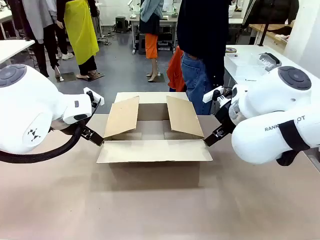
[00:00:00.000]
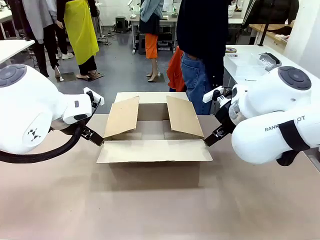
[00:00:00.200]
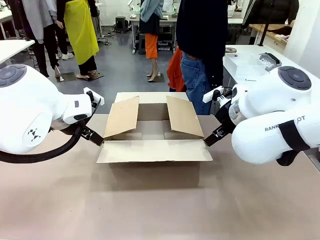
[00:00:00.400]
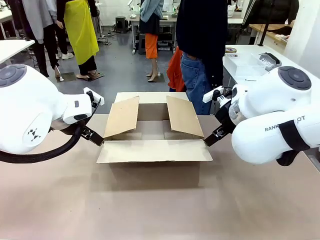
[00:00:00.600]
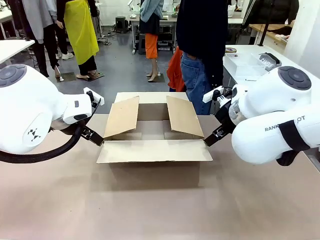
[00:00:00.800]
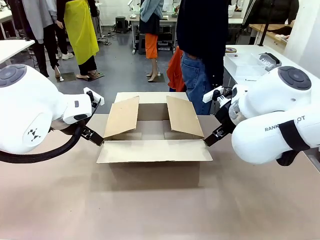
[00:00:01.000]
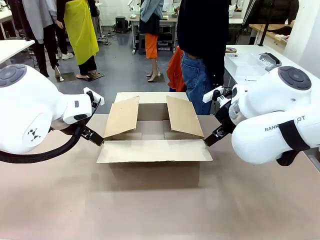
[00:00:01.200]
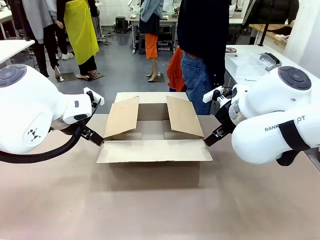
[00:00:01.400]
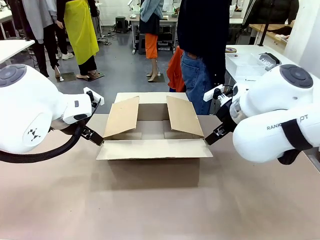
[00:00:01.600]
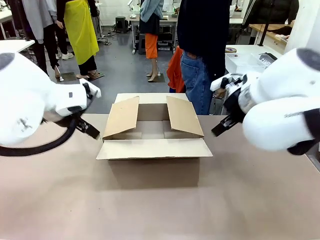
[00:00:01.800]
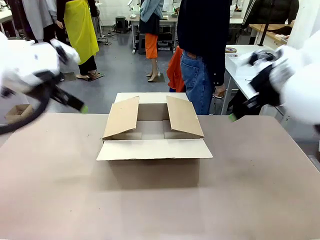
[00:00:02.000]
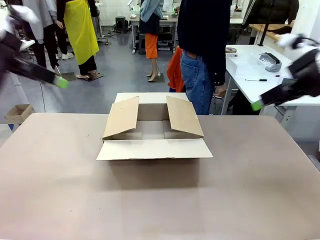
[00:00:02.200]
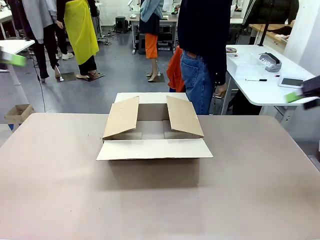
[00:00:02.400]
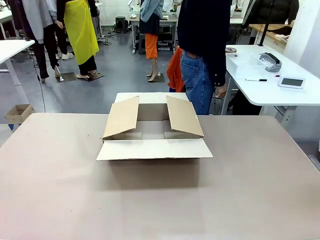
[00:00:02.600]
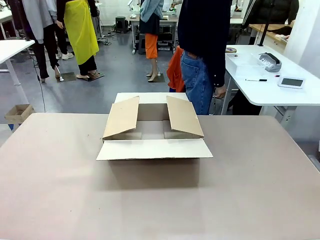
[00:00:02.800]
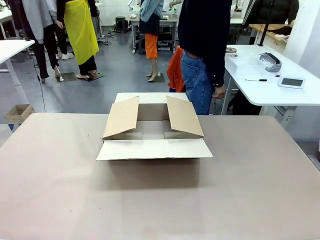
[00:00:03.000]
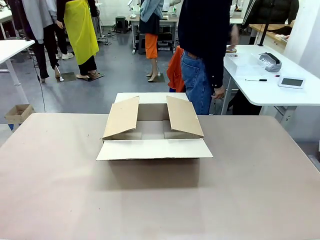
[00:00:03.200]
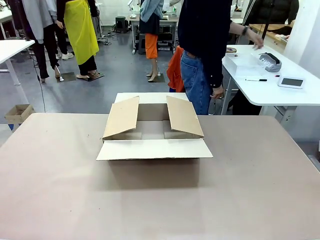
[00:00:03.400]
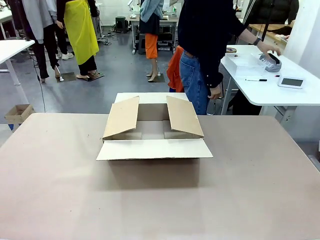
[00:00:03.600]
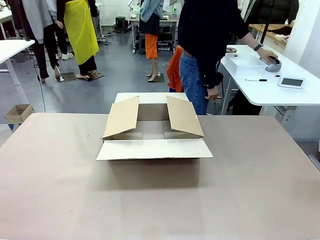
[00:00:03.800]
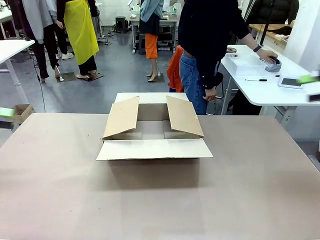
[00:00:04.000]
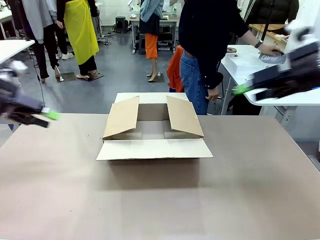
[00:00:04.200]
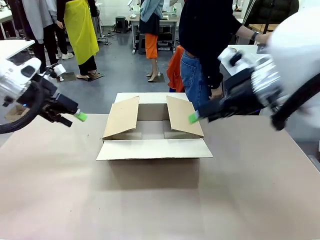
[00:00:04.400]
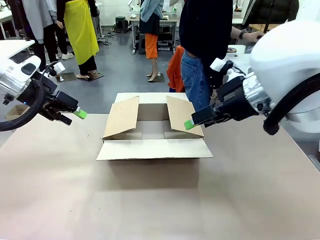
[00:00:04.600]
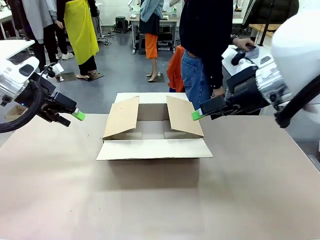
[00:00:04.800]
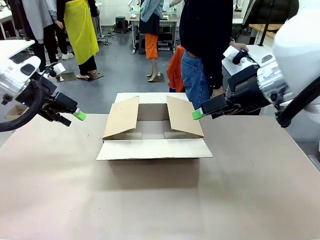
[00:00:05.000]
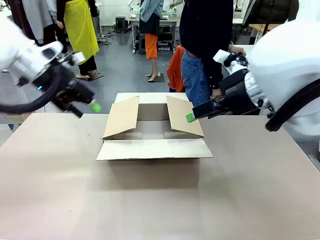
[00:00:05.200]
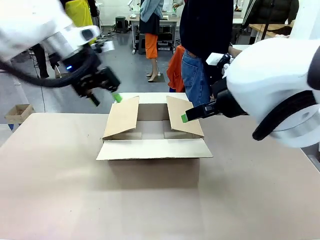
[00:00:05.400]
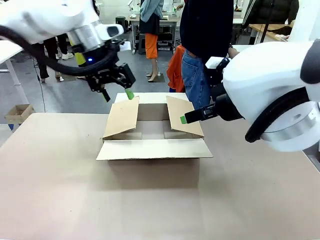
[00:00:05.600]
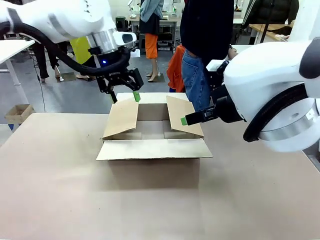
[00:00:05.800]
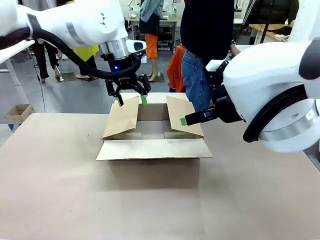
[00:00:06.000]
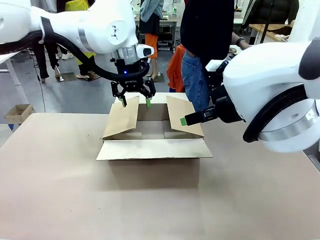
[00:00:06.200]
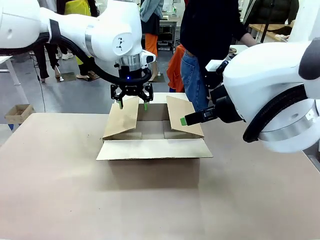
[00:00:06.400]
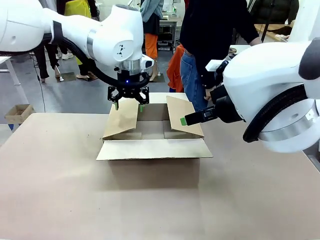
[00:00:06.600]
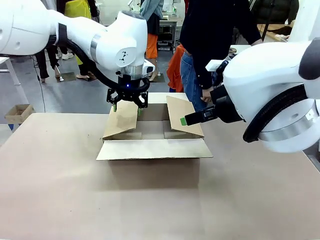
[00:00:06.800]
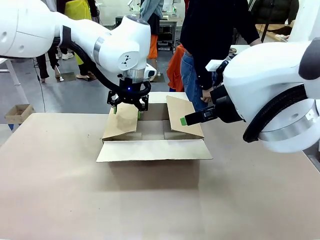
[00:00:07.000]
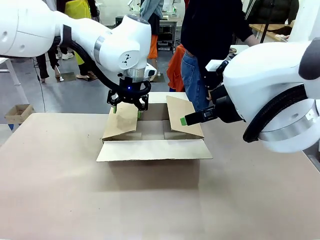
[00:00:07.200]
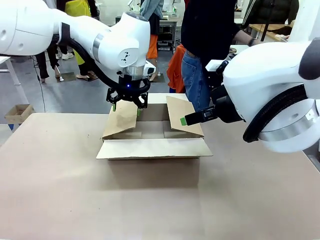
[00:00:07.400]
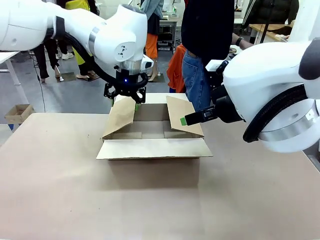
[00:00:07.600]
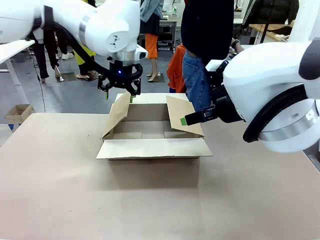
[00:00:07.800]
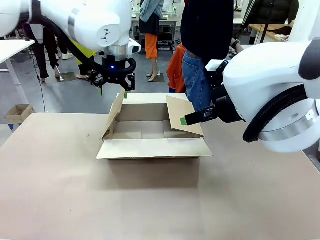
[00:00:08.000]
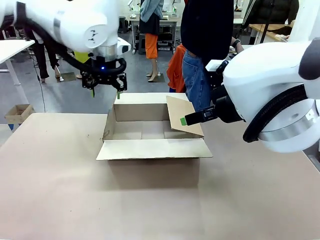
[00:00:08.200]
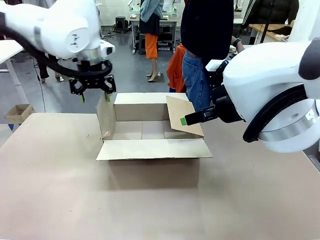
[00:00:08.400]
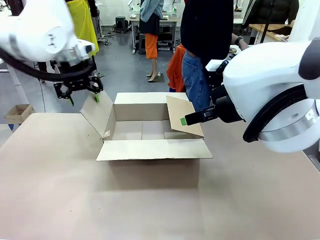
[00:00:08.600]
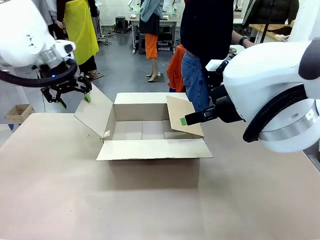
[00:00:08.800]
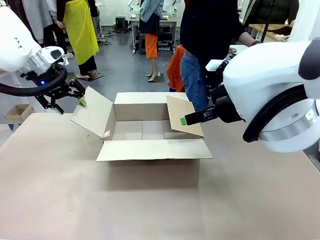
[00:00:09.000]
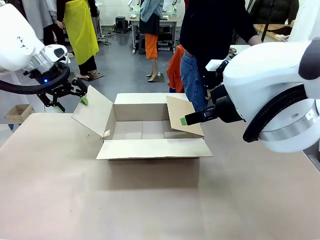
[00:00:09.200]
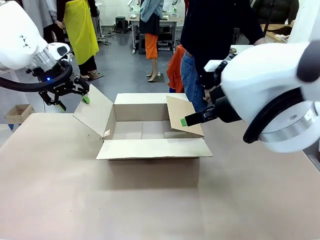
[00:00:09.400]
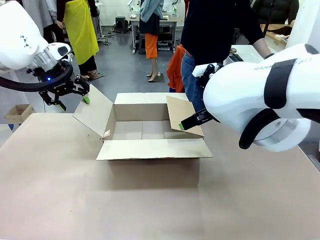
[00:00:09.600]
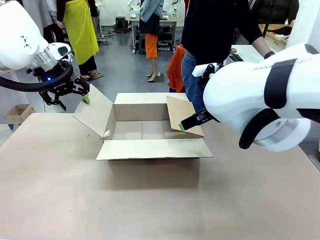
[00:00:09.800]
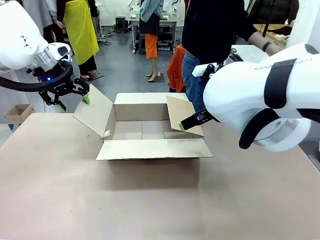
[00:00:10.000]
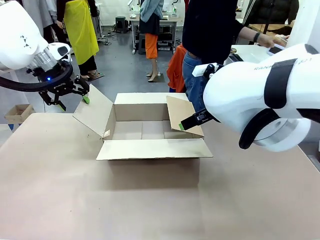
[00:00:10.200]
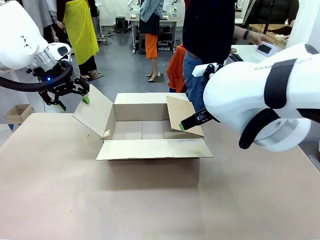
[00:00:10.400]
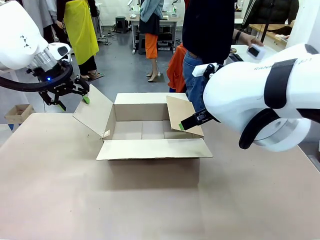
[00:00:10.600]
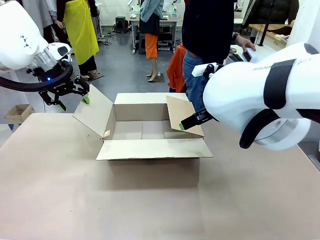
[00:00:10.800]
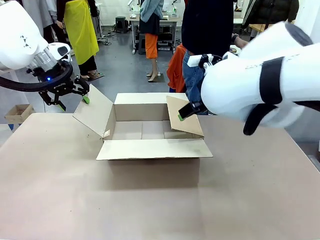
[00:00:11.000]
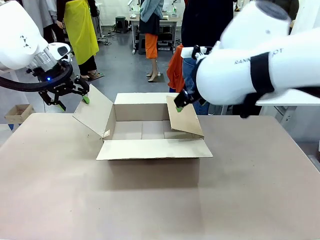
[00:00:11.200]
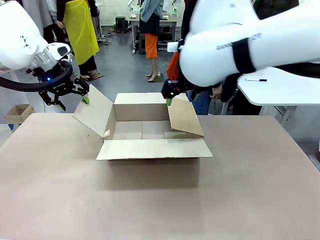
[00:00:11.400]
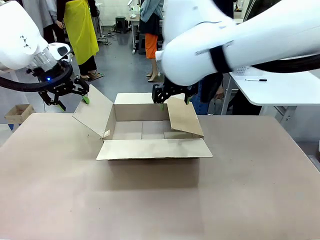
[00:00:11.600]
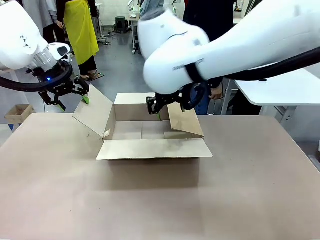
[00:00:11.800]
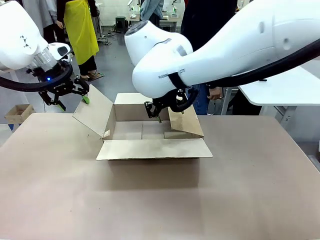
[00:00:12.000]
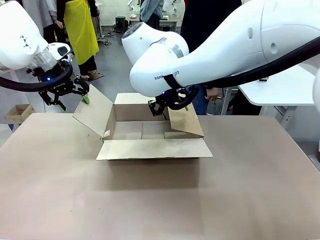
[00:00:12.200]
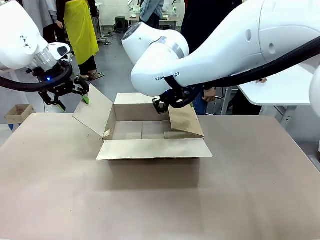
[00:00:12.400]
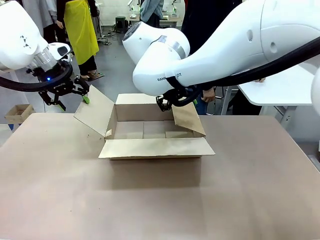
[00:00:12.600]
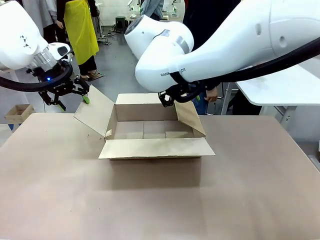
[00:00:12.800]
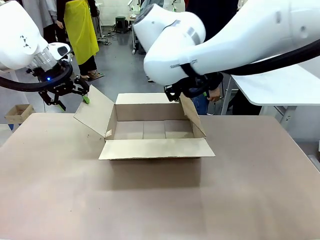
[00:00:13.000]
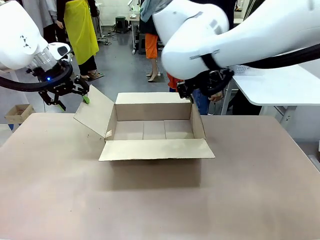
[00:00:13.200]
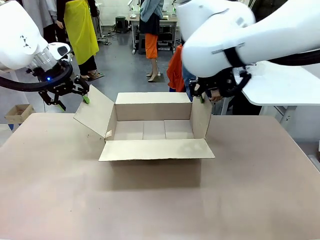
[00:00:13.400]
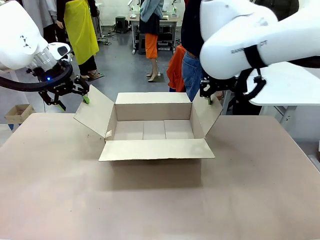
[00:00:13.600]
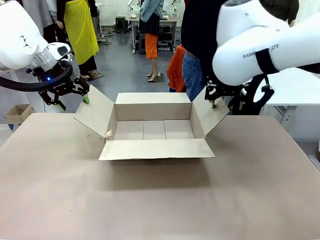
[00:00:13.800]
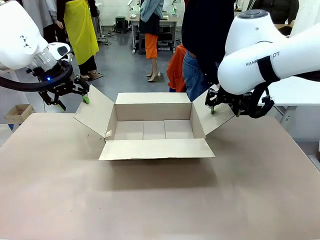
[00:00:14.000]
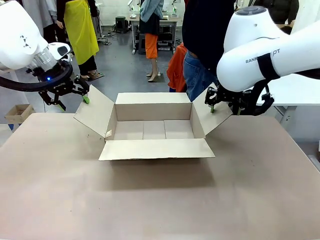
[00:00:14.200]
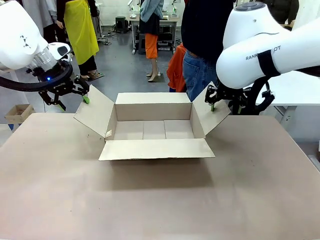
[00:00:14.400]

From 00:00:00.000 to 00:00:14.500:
Task: Pack the gift set into the box.
Robot: Place both hands on the side flaps of the Package Box and spread them outward.
Person: The human places all items except the paper tape into the organizing basket.

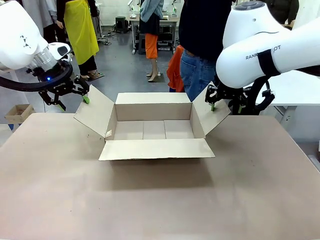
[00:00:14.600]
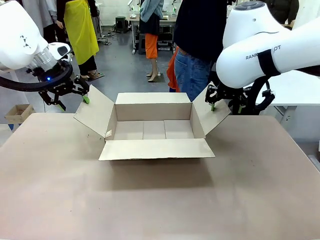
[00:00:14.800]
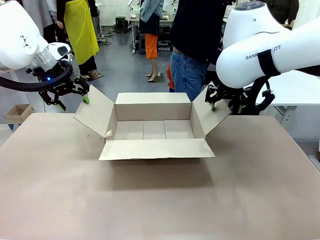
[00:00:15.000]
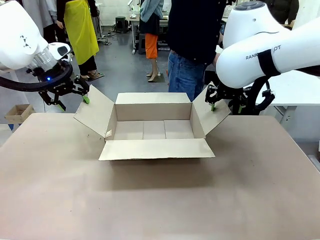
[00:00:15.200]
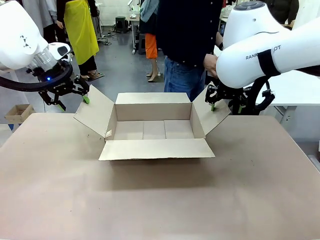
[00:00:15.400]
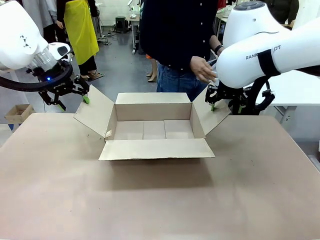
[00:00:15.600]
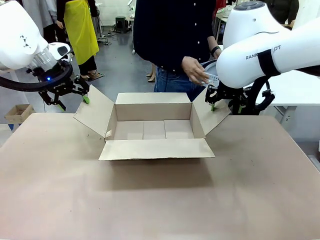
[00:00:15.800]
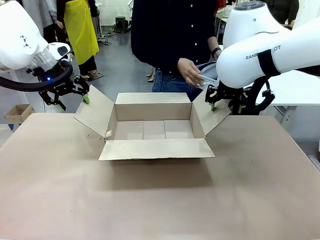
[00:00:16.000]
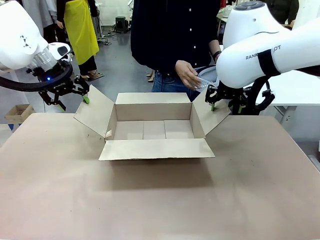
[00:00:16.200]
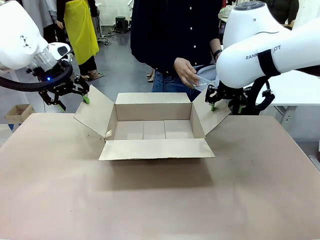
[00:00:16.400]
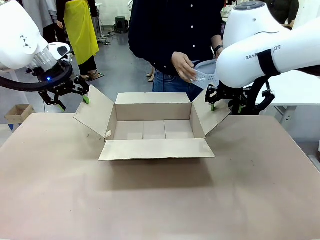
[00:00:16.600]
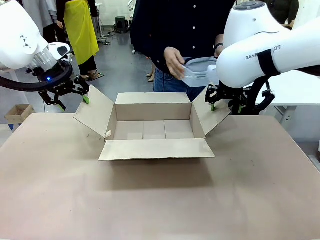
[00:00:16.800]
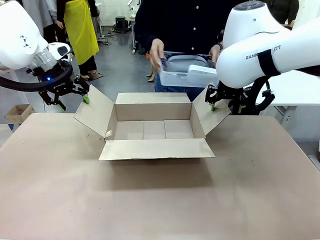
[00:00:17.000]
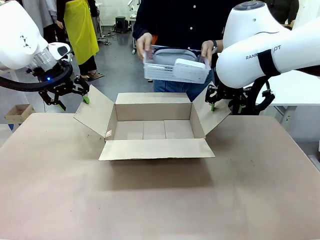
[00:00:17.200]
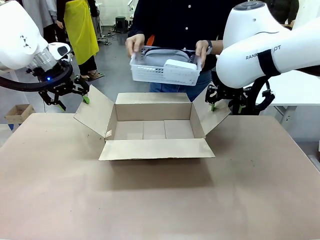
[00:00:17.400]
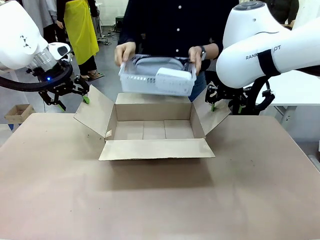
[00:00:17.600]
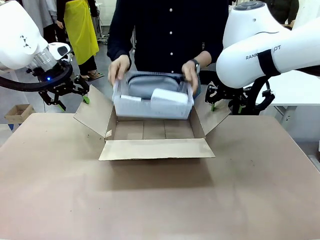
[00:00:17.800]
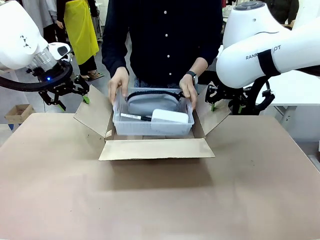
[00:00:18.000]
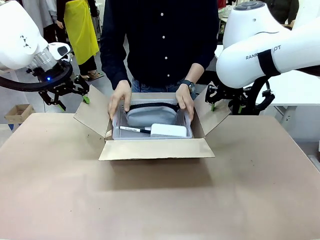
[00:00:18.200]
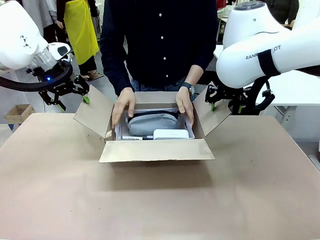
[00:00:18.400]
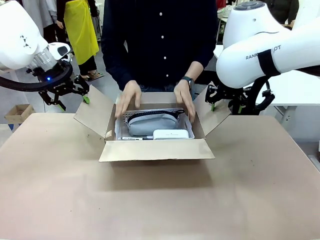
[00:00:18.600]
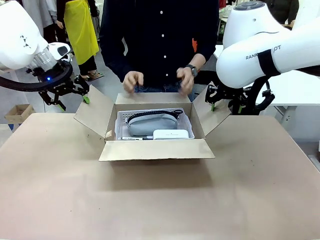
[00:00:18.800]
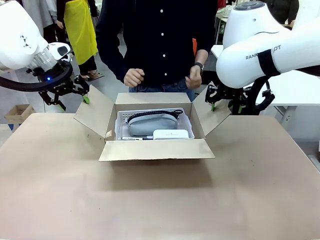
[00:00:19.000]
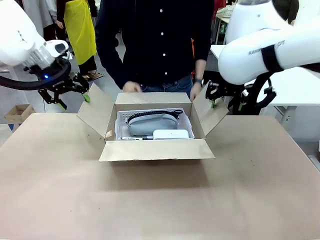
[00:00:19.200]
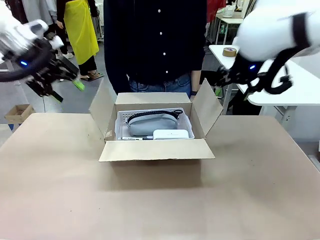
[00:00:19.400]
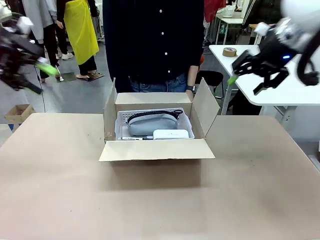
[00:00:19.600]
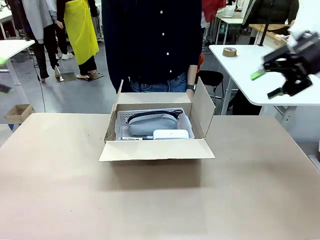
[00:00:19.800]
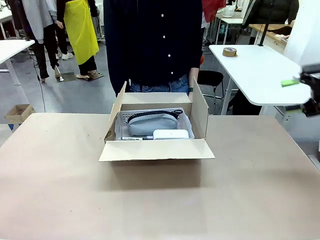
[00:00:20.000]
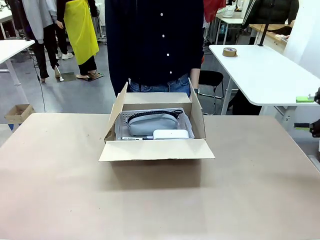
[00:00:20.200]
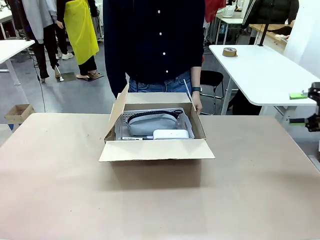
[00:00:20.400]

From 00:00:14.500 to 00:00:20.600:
Robot: Lift both hands away from the flaps of the Package Box.
Person: The human picks up the organizing basket and places the organizing basket into the package box on the robot table.
